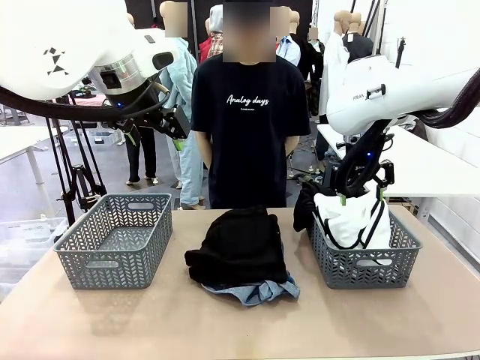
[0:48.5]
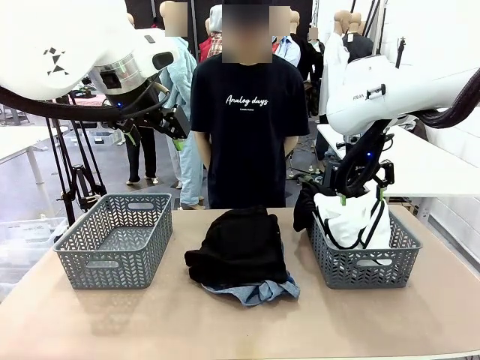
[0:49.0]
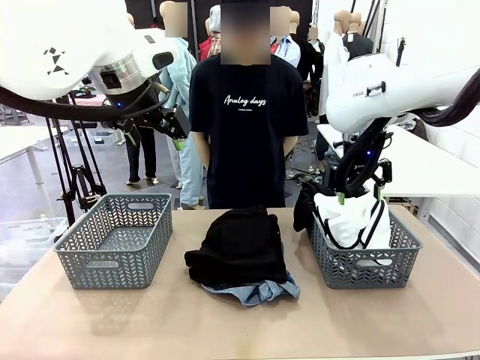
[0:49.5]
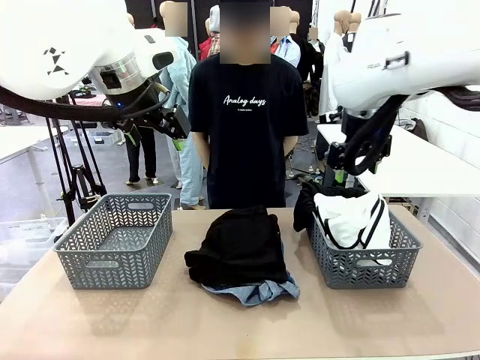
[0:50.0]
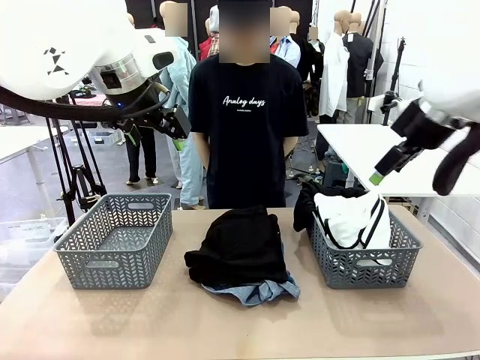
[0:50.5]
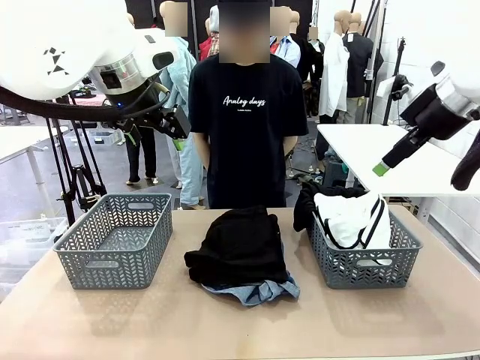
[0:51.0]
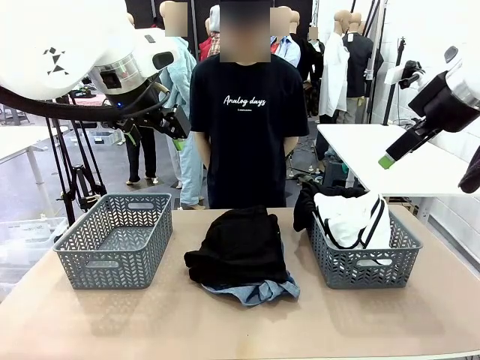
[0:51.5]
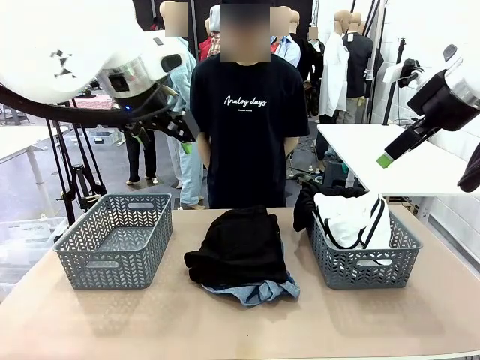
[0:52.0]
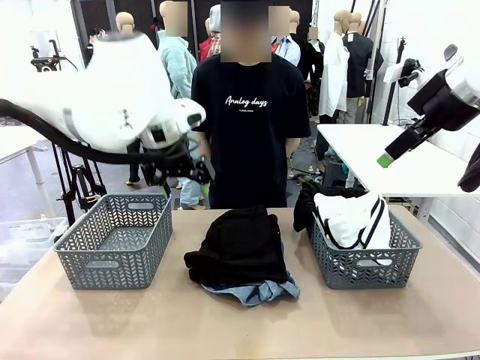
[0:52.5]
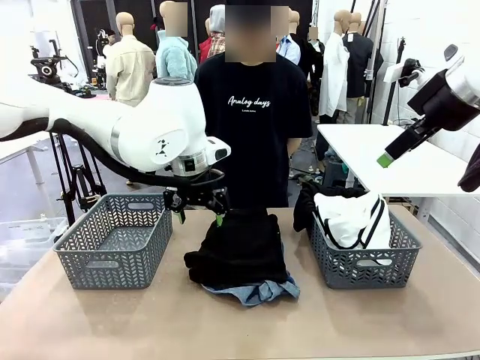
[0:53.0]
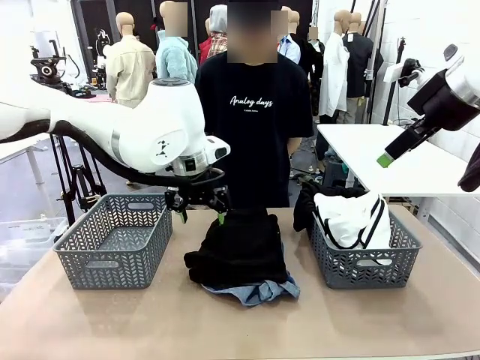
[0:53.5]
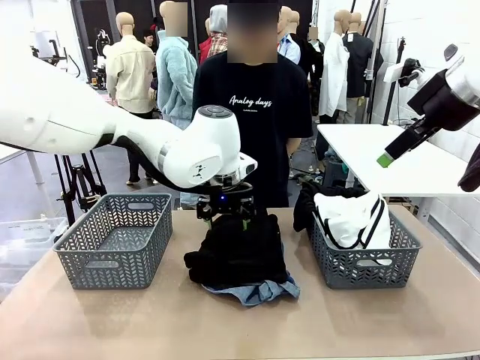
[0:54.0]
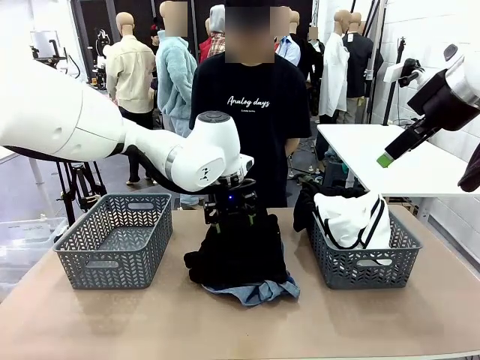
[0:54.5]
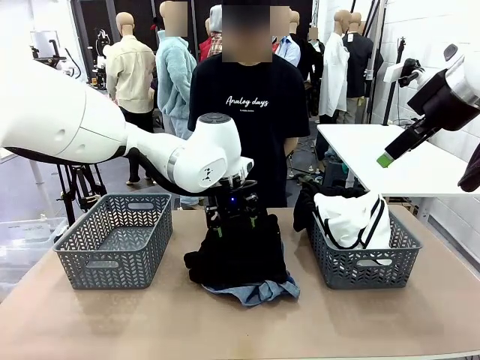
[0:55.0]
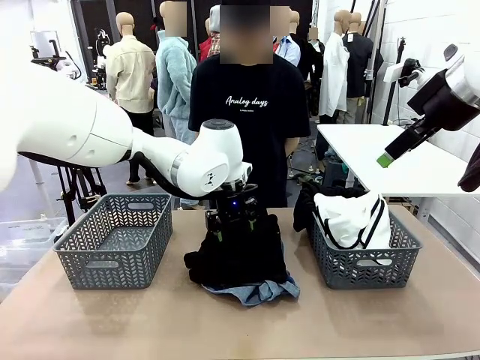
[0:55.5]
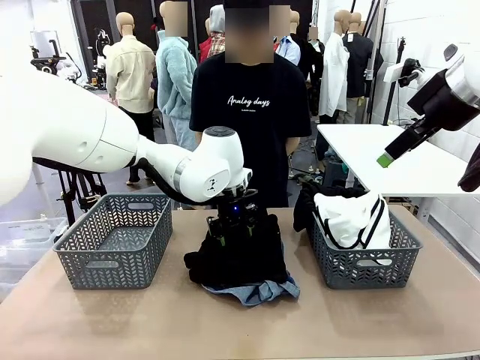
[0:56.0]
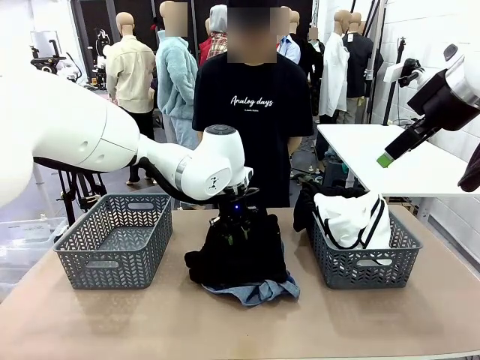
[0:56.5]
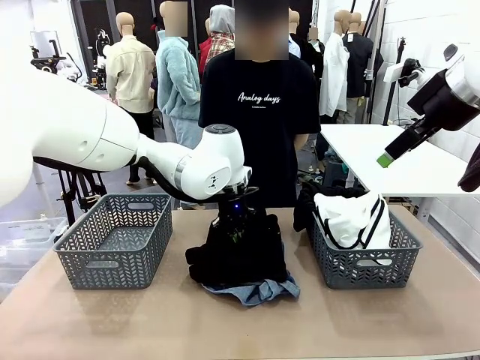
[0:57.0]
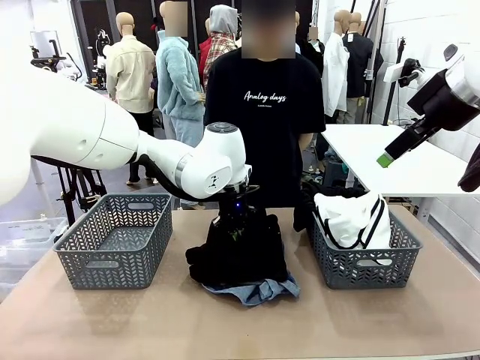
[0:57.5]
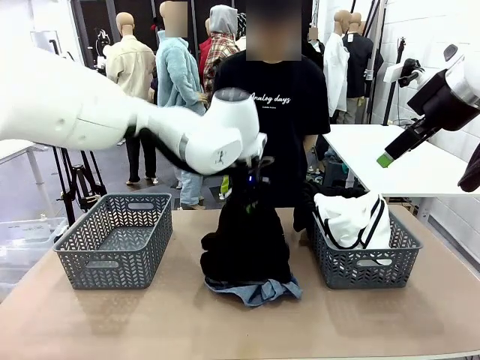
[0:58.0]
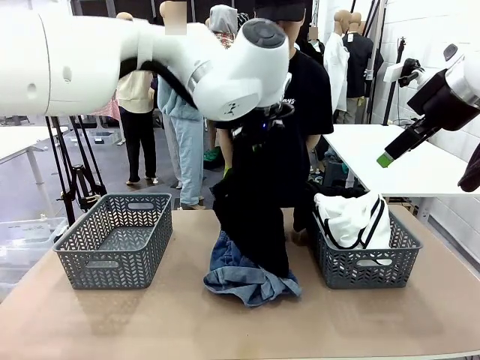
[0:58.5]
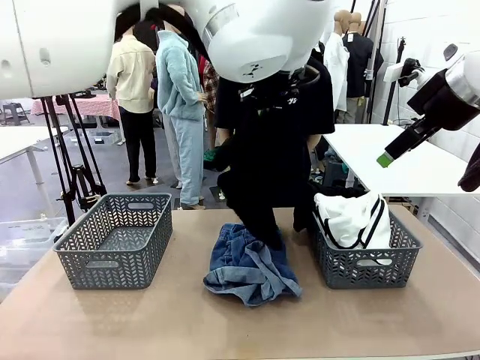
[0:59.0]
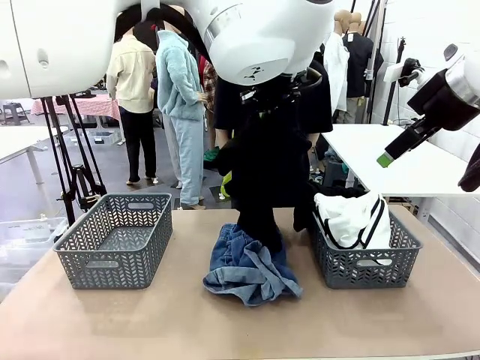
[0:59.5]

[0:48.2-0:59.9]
Task: Sort the tops and bottoms.
Robot: Lift clothes from the center of the table with your left hand.

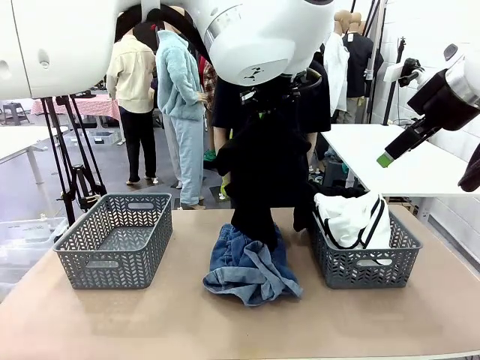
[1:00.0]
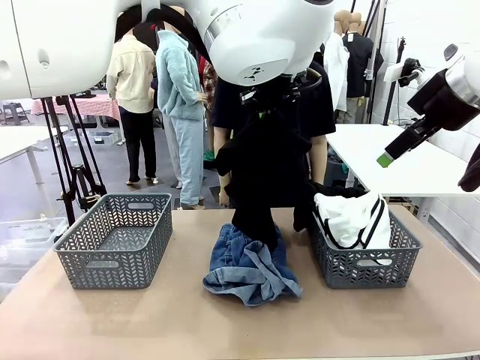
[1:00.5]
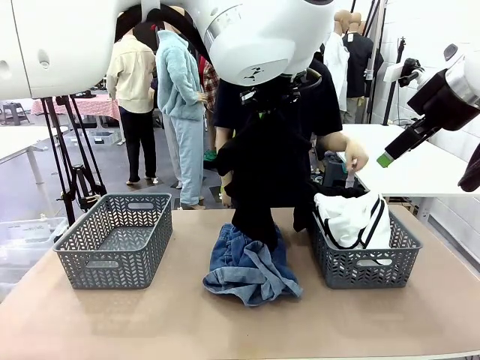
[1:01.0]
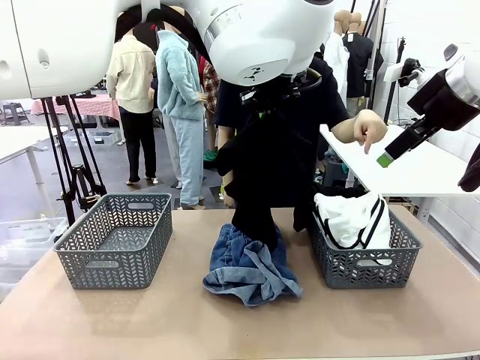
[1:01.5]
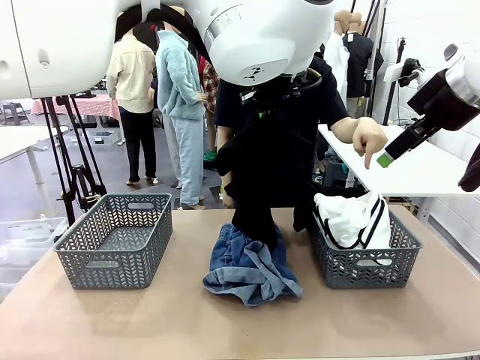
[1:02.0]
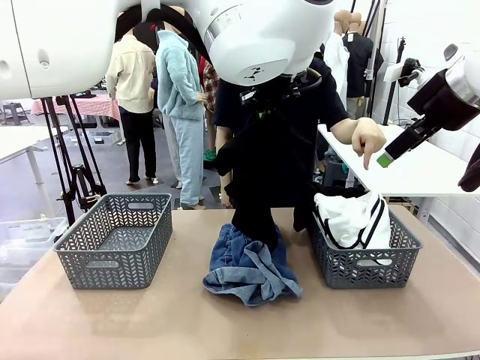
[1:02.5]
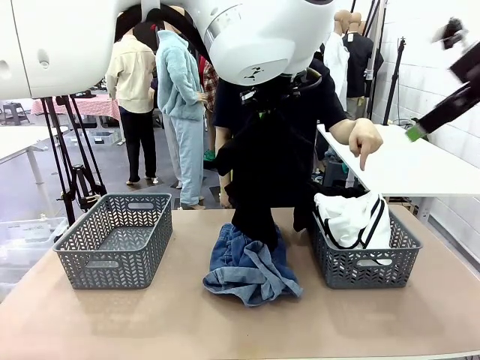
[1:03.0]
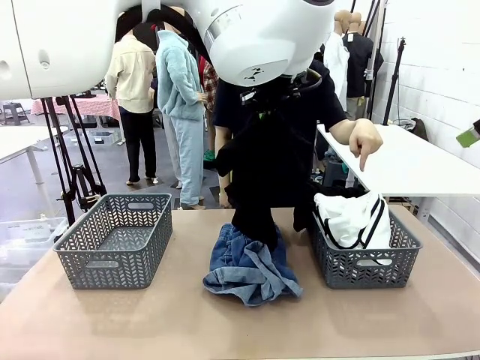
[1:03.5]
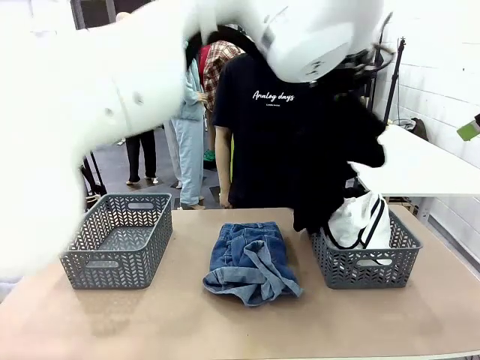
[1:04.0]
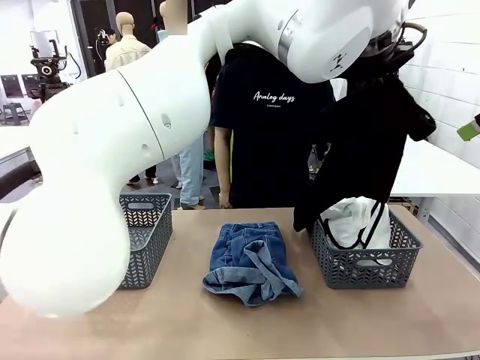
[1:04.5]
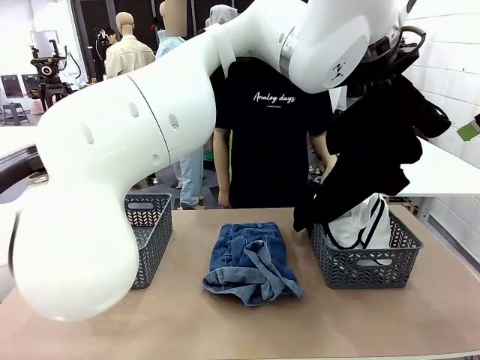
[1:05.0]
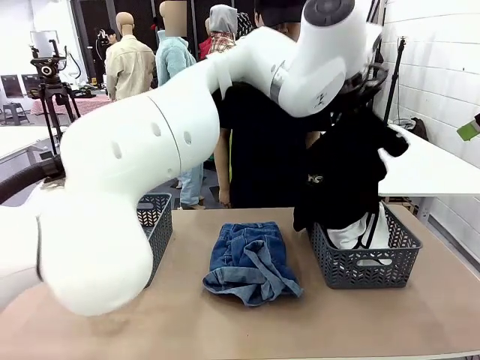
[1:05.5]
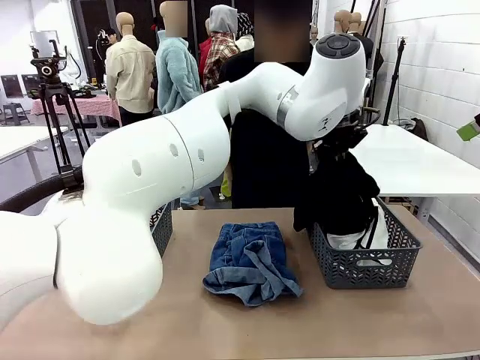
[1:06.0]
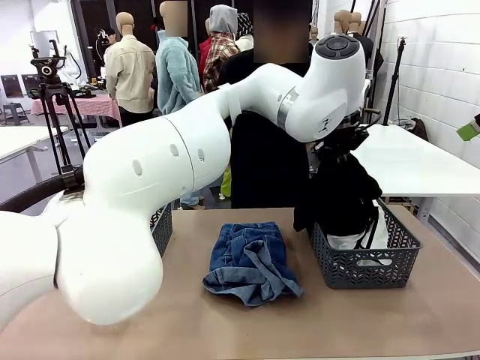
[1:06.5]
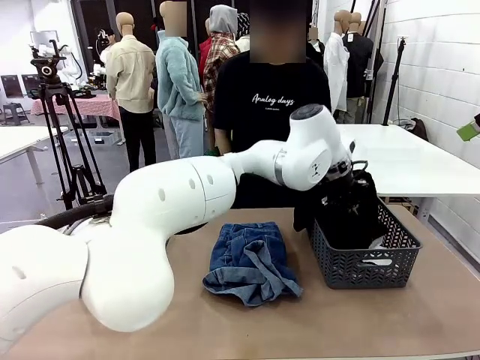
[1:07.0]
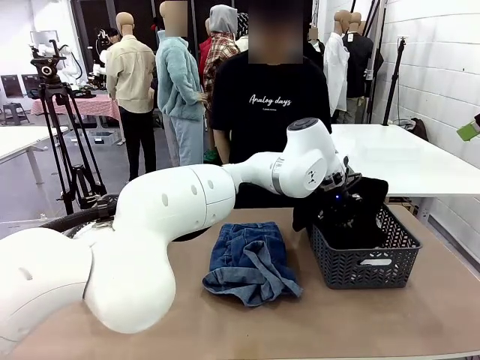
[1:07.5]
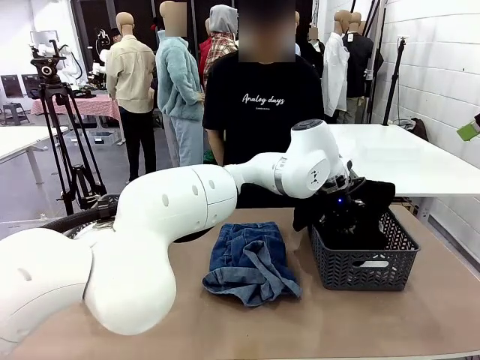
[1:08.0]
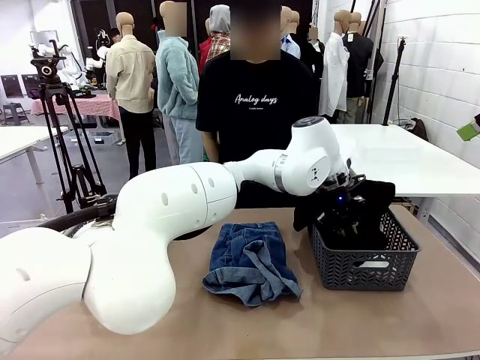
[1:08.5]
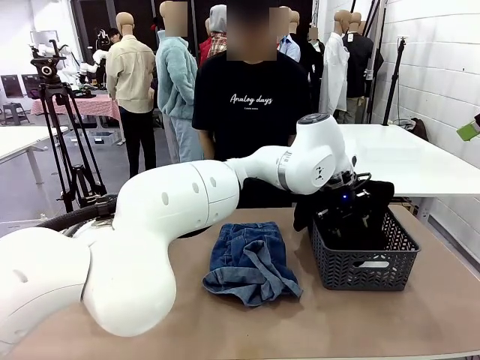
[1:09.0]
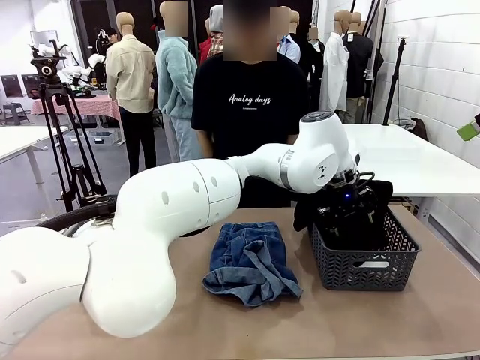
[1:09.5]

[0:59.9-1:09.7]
Robot: Sort the clothes according to human instructions.

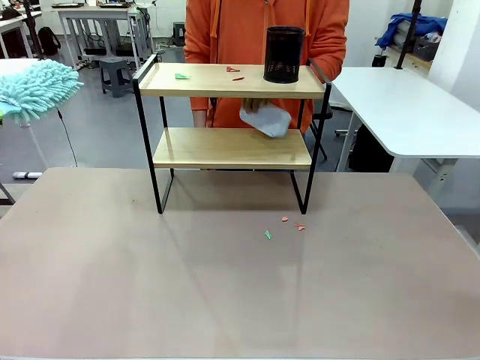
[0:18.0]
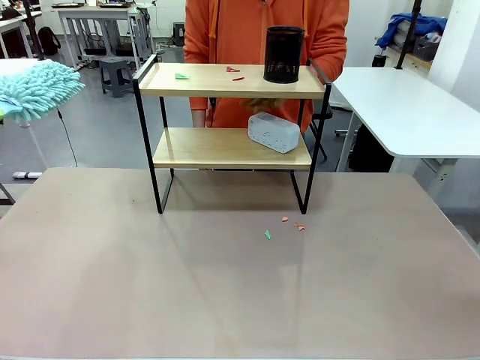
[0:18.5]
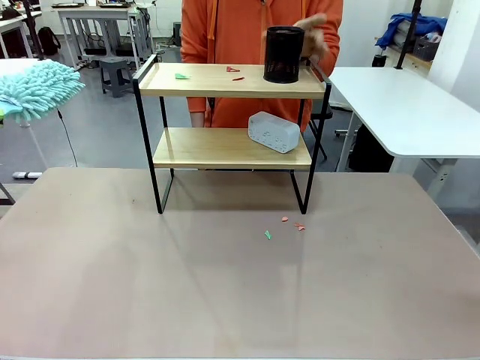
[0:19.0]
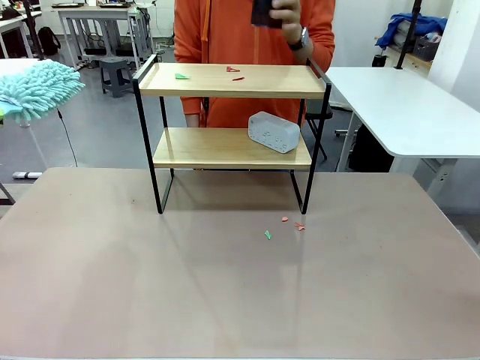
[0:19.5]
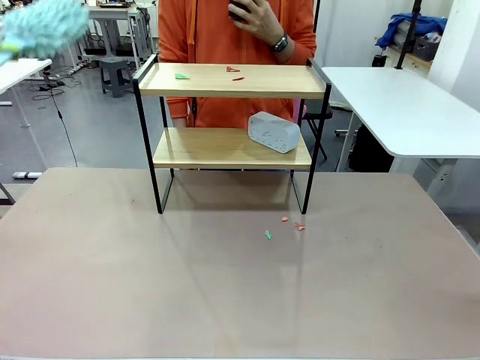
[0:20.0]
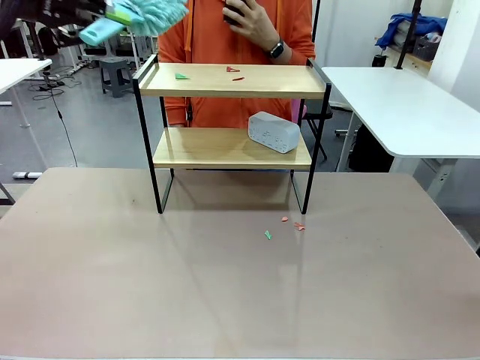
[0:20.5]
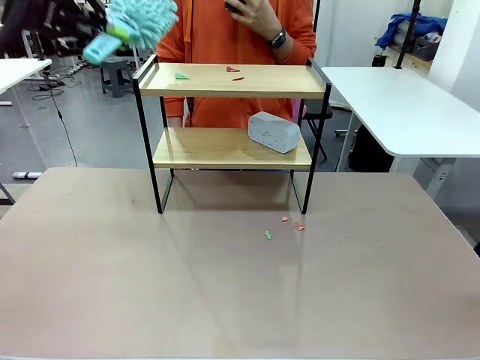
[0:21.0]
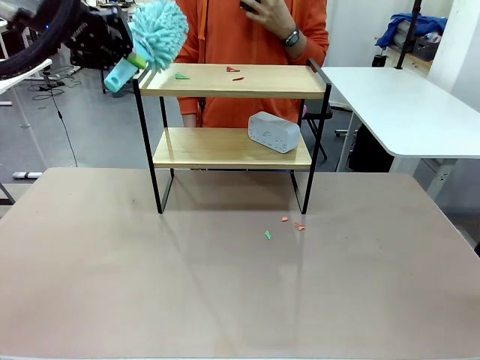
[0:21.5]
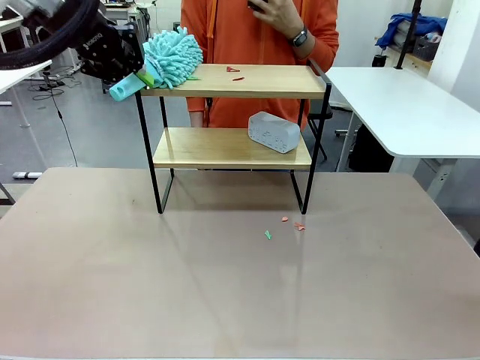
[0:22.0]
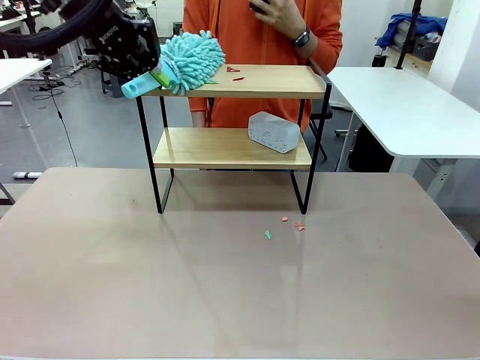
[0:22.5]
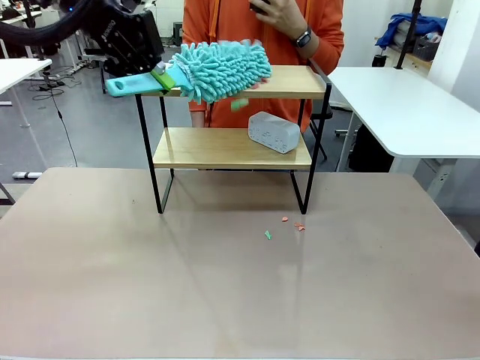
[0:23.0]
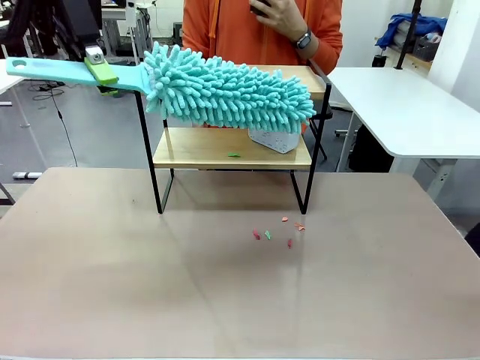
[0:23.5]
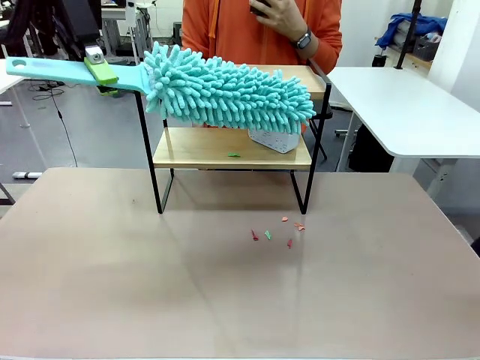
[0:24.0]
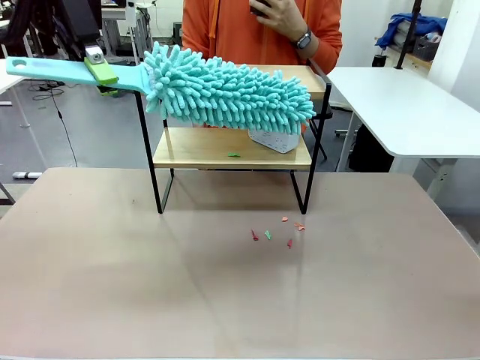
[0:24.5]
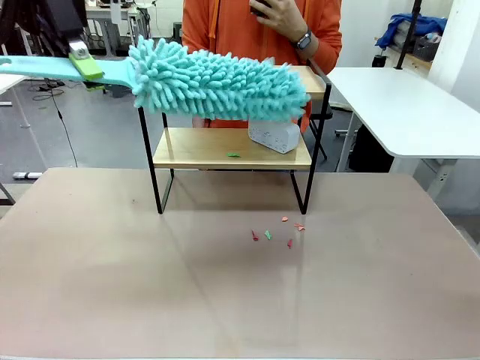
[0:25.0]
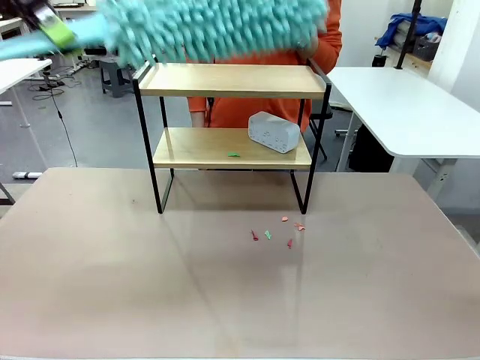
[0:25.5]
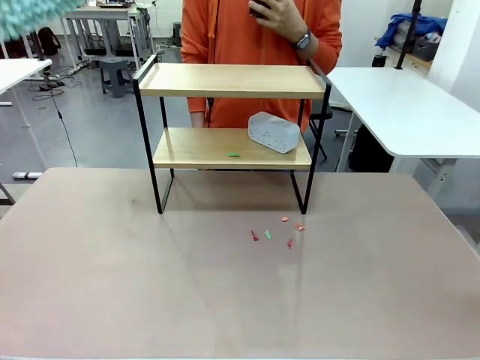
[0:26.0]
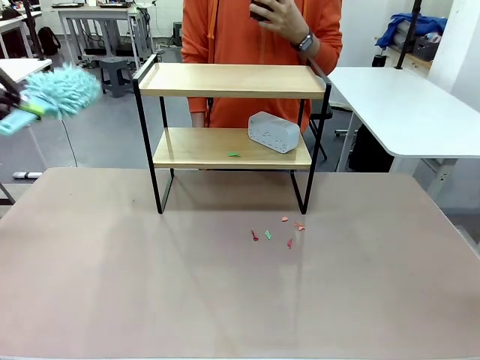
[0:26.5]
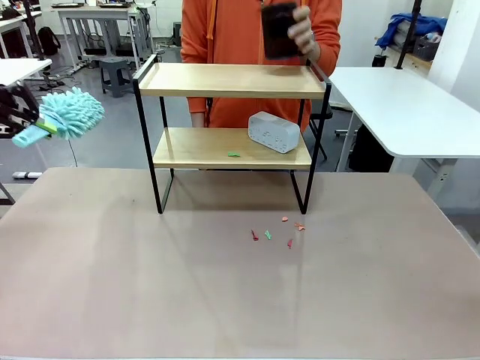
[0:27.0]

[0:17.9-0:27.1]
Task: Clean the shelf.
Robot: Clean the remaining tier of the Shelf with the Duster once objects are removed.
